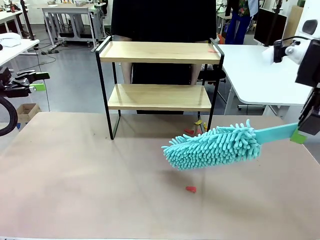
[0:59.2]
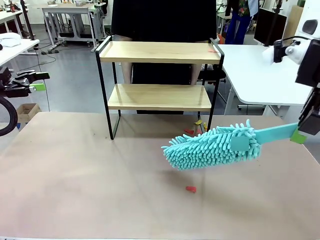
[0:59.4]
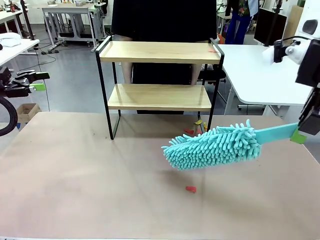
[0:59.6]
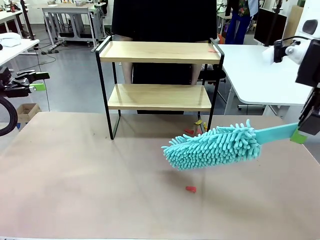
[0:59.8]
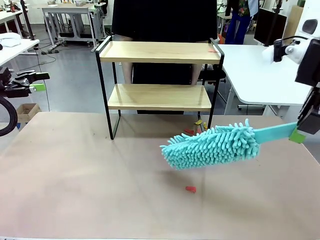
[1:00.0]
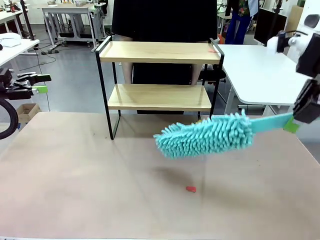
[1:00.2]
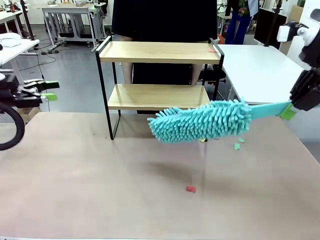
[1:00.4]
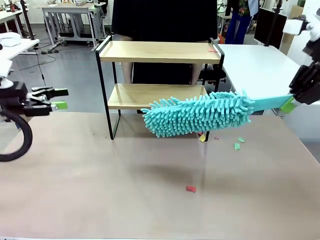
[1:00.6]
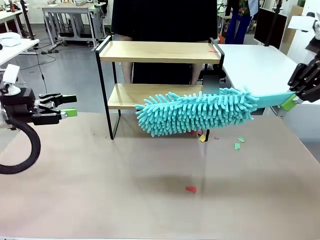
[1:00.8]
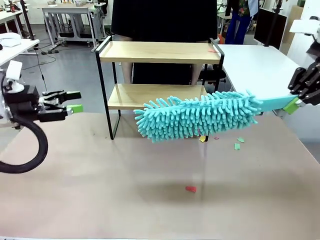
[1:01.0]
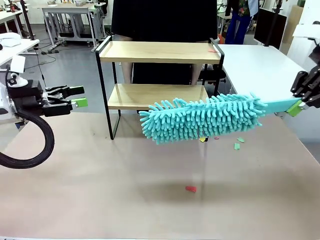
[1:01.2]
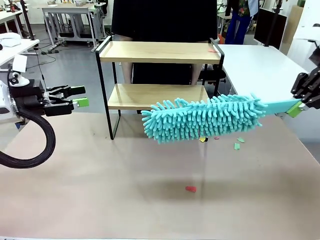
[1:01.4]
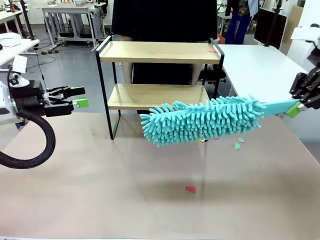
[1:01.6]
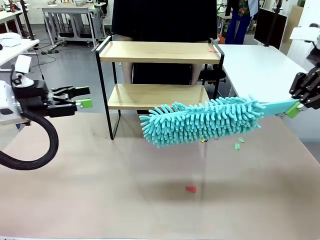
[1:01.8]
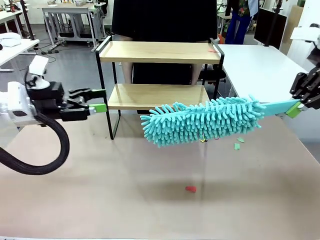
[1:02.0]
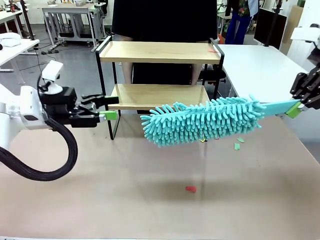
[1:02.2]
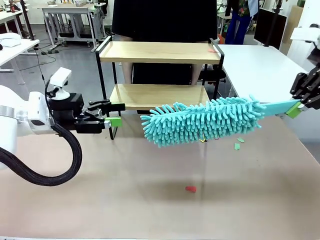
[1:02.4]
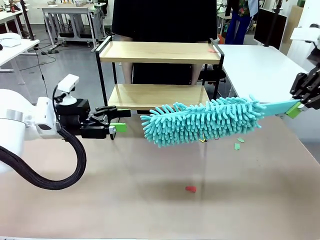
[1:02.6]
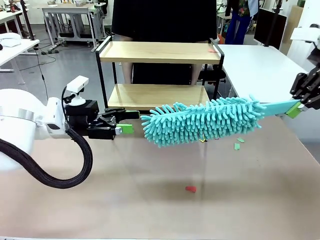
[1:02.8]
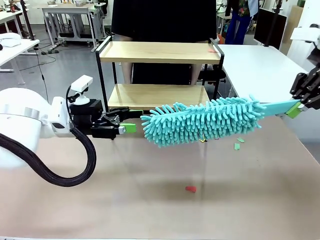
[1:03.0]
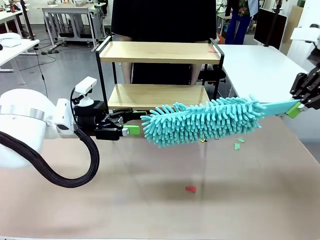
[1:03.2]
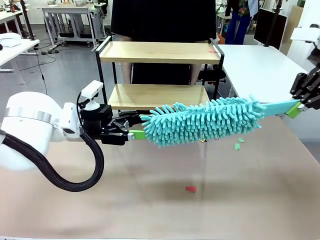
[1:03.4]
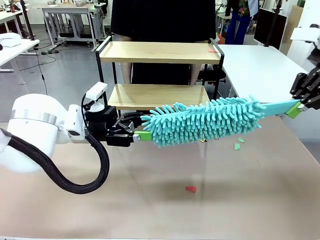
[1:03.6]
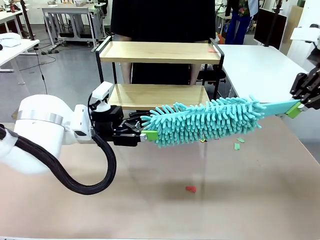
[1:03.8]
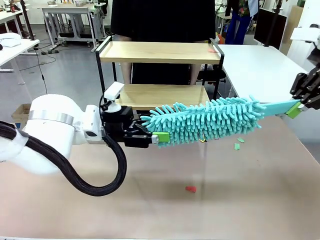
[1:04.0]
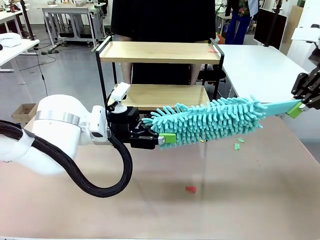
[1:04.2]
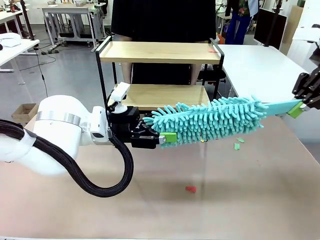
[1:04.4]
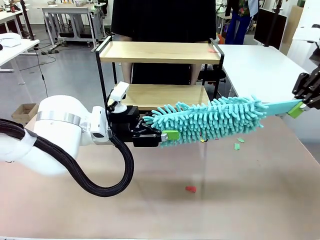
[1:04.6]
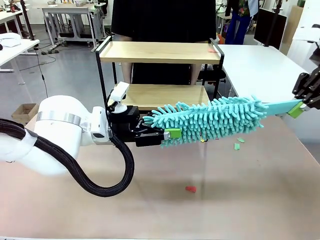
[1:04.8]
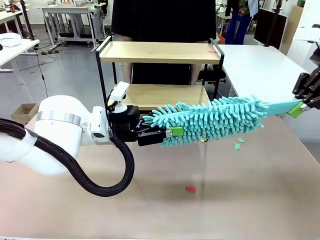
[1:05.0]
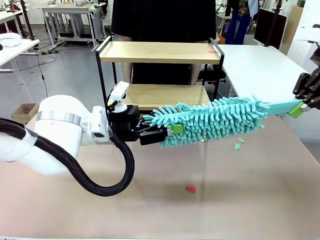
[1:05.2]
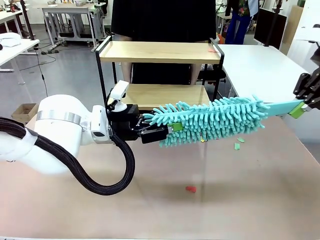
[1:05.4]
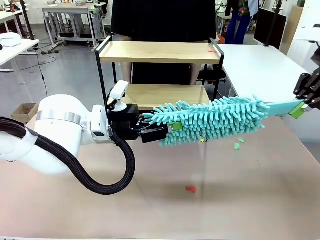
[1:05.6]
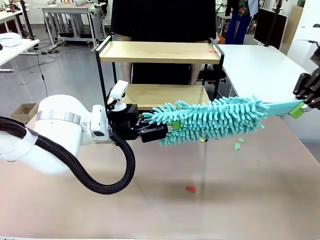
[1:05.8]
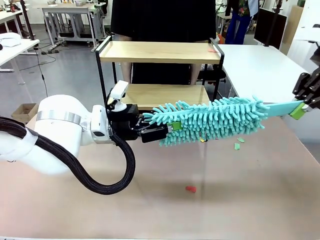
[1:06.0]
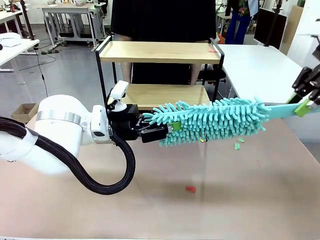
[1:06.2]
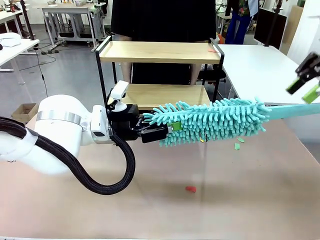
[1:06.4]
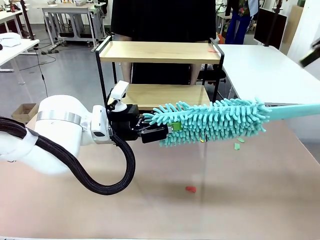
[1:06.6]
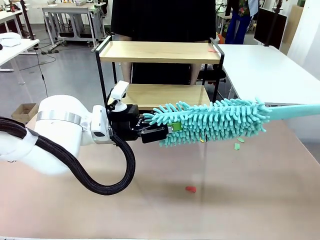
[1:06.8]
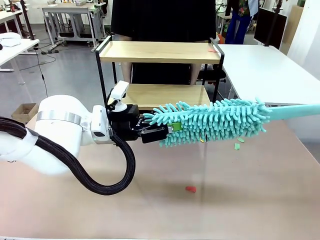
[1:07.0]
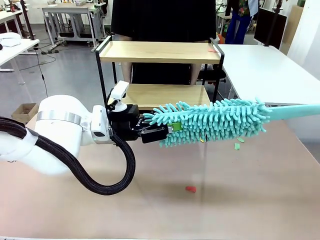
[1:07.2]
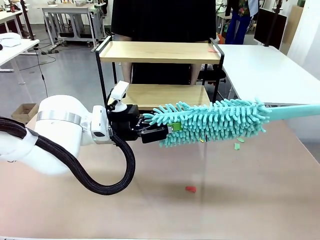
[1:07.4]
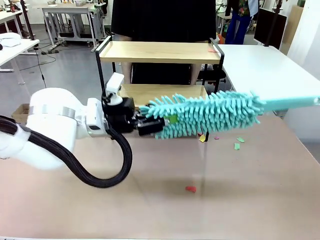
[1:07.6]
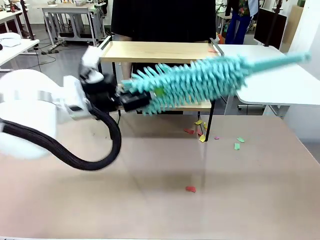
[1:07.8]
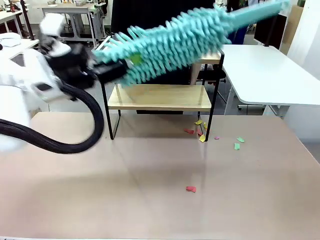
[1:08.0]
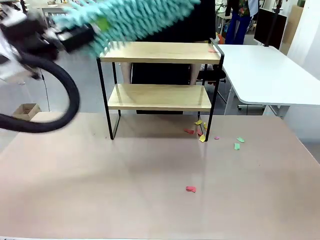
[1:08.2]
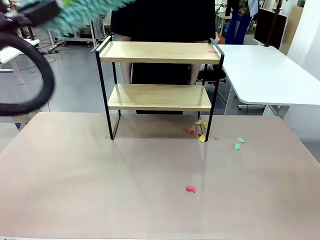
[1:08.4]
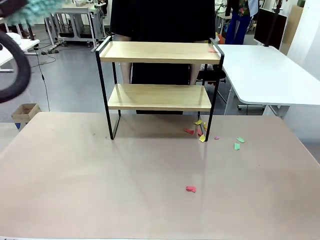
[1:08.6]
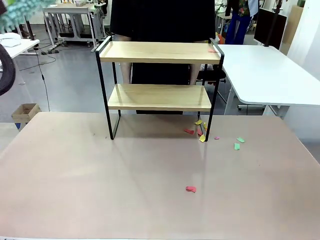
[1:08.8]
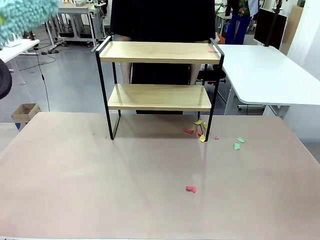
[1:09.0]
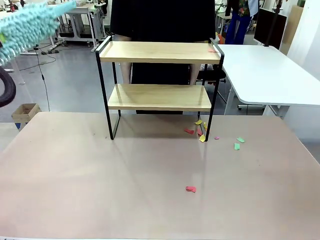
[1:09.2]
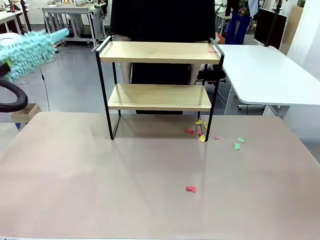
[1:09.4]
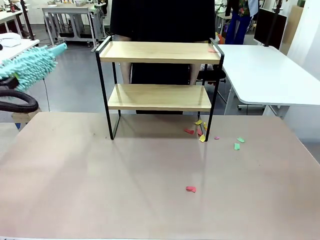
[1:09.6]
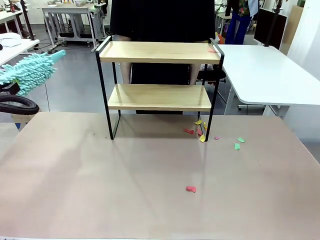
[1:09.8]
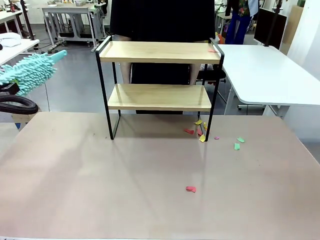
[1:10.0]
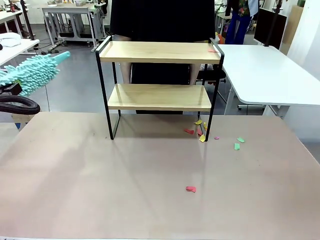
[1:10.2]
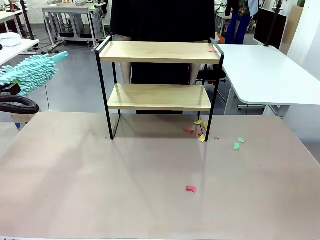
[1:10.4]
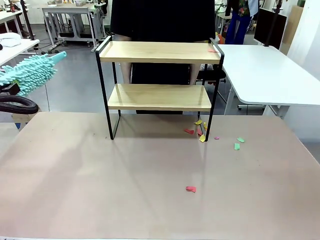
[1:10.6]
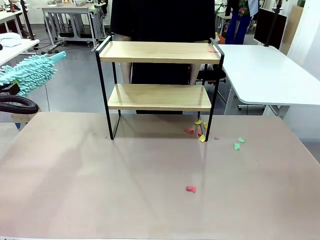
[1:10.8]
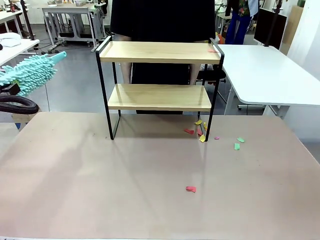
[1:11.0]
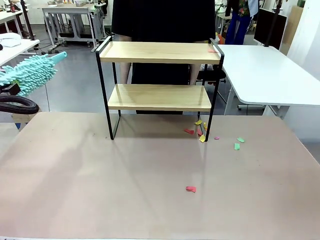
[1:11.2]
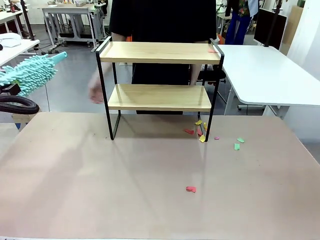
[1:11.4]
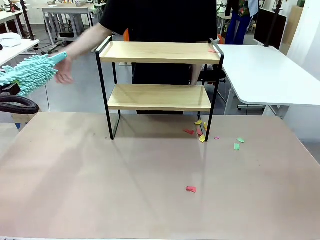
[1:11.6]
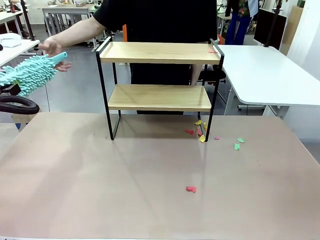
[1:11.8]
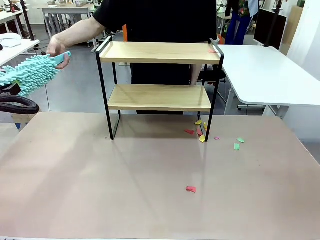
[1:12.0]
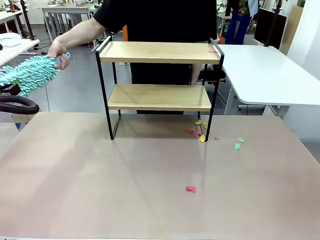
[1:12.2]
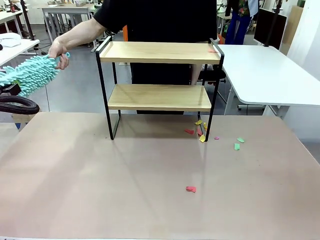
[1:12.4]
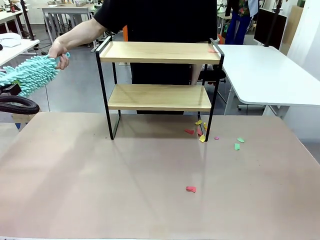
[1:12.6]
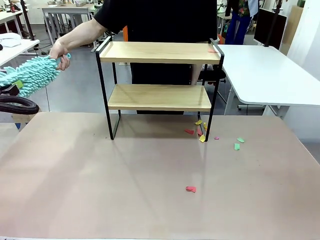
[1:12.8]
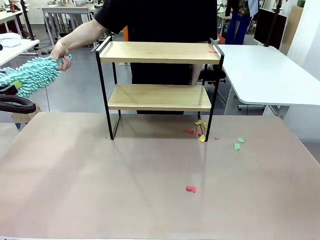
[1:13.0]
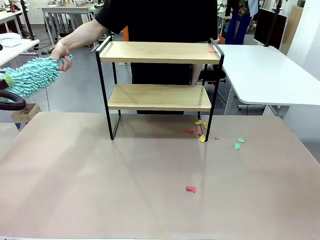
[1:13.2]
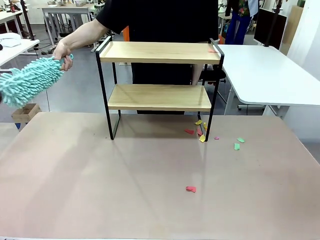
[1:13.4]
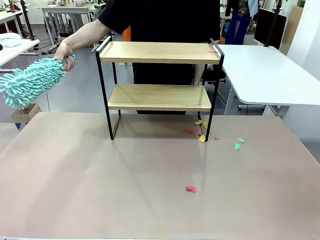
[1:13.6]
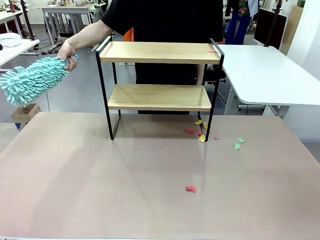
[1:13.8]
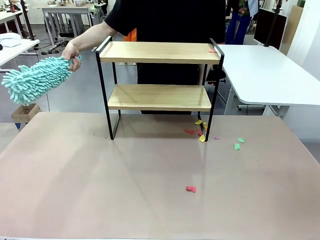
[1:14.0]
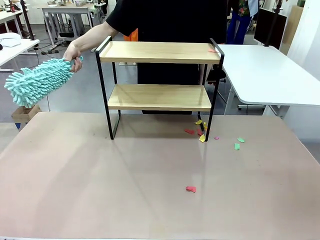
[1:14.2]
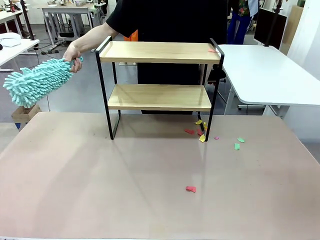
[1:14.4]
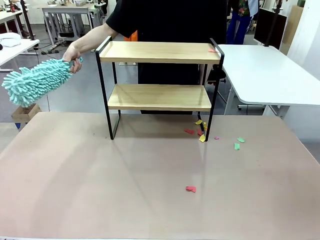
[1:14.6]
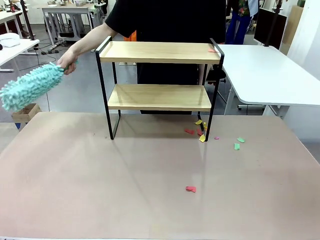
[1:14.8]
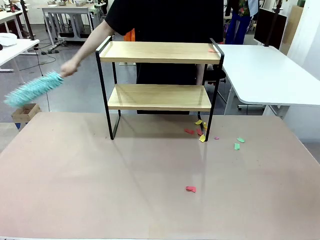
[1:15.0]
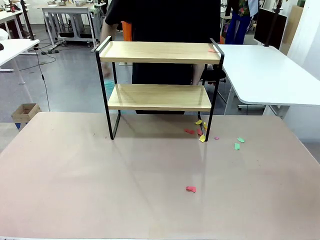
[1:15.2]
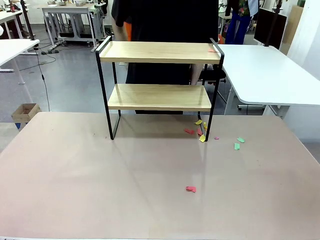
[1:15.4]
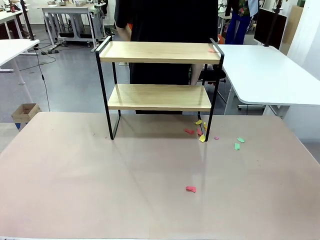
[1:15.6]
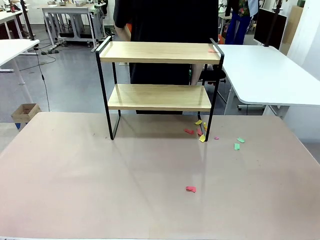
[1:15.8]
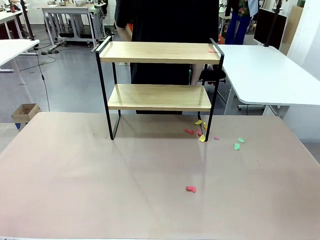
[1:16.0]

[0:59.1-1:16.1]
Task: Clean the shelf.
Robot: Hand the Duster back to the human.
Person: Receive the Duster from the robot.
